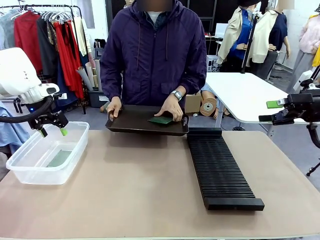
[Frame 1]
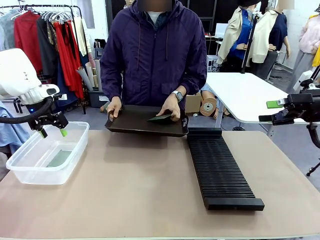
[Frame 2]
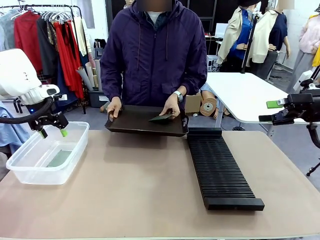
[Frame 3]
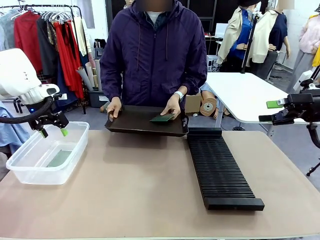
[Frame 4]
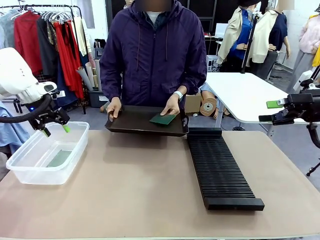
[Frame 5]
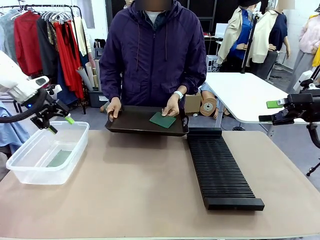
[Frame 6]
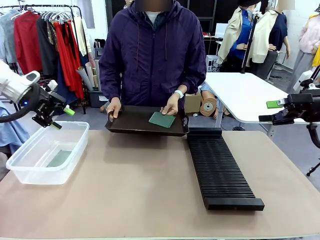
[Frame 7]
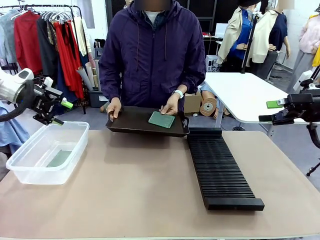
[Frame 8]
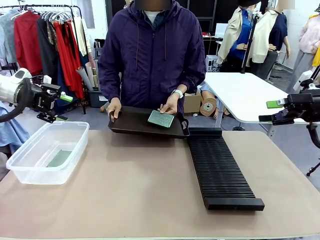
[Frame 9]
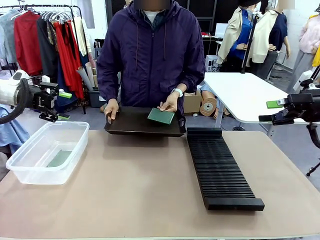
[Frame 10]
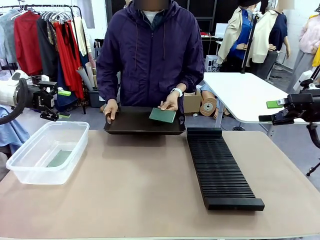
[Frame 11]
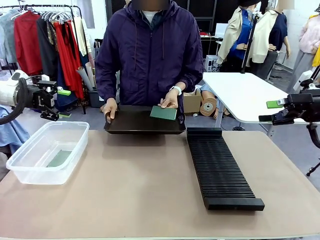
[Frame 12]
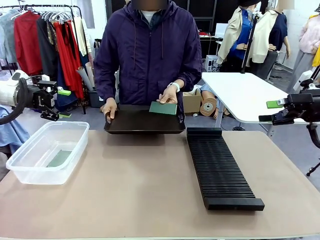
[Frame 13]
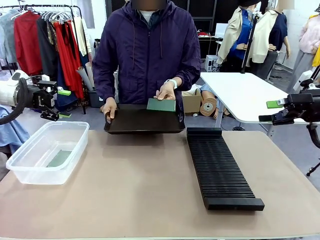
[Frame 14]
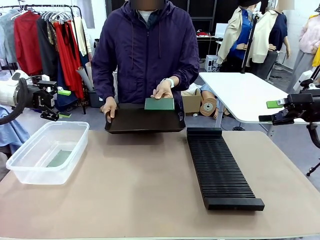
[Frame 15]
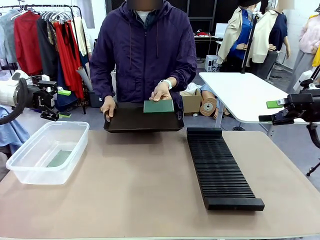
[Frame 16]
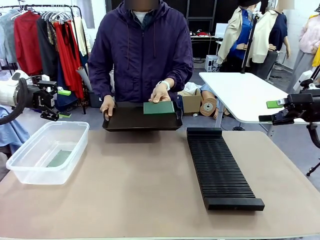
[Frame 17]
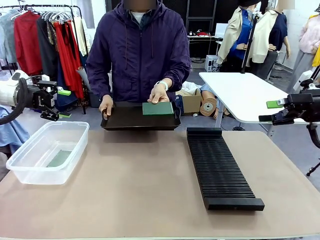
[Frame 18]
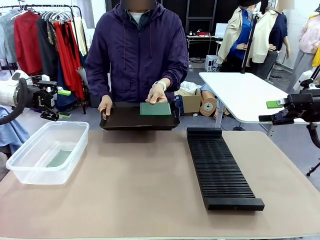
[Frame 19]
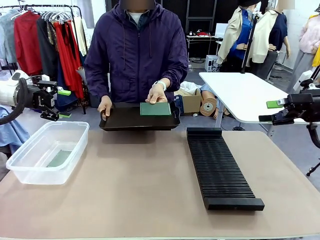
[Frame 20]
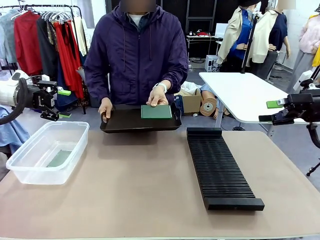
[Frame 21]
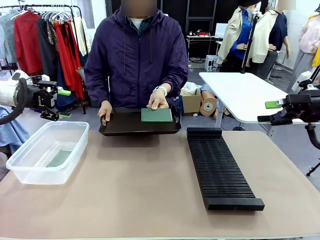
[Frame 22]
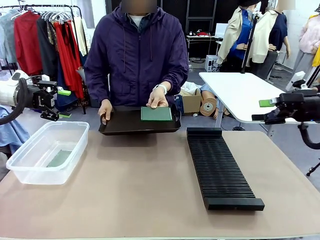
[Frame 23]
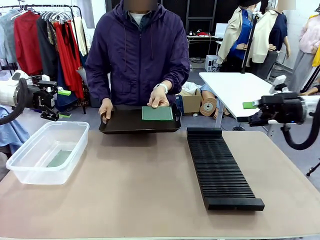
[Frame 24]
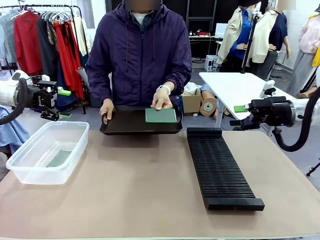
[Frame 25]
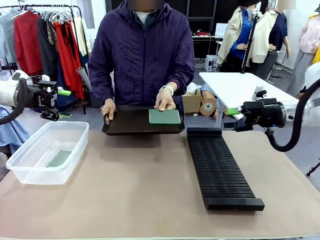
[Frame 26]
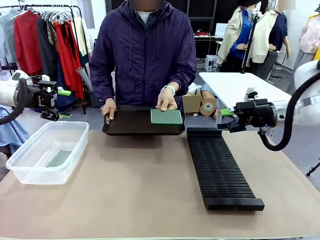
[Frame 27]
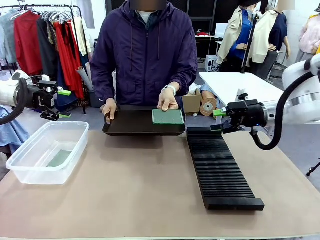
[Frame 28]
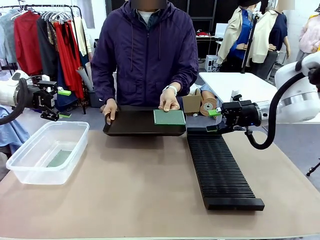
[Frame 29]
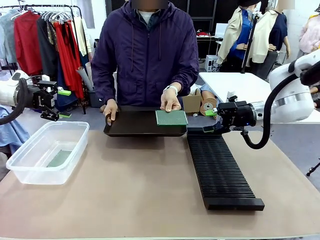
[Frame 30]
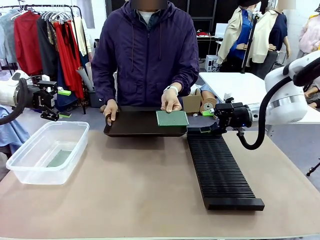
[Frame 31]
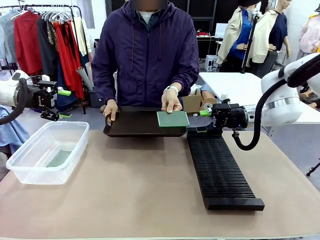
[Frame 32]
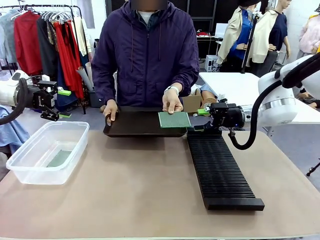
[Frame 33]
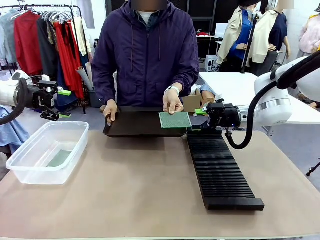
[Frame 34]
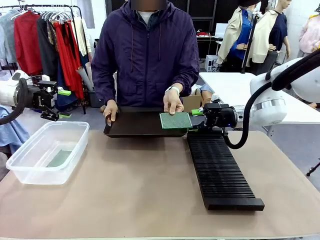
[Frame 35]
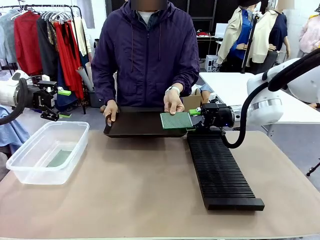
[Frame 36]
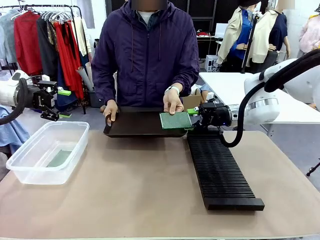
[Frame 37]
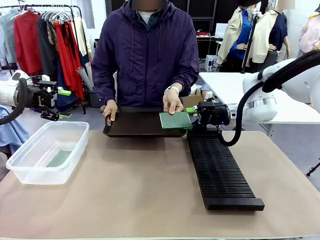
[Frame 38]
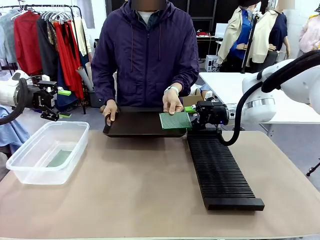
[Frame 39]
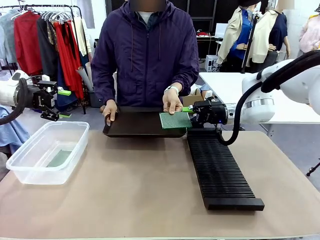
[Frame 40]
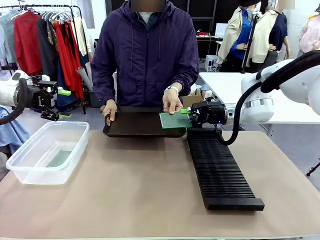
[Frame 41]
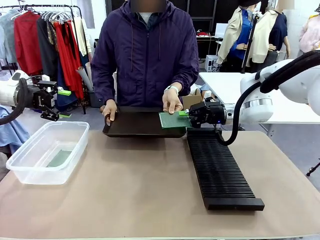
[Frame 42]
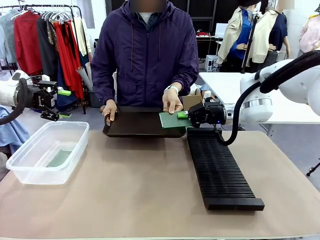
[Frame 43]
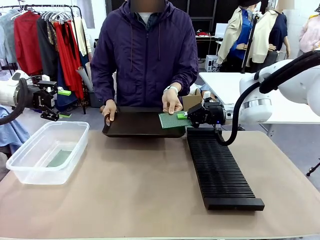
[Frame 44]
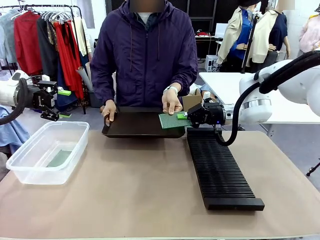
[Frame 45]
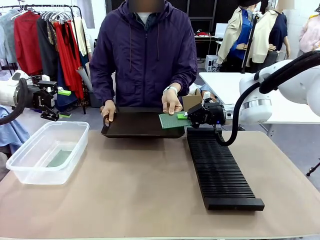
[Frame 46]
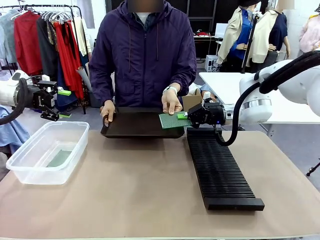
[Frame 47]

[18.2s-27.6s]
Task: Sort PCBs into racks and boxes based on the side picked up.
Robot: Pick up the Blank PCB handed by the Human.

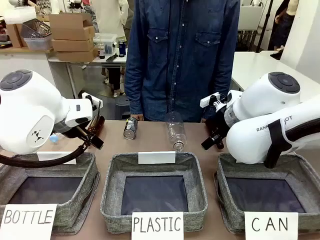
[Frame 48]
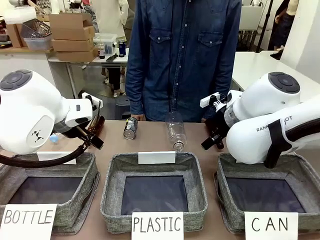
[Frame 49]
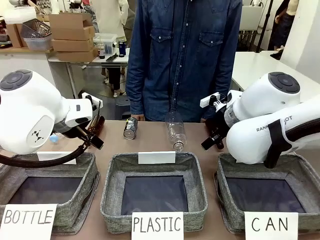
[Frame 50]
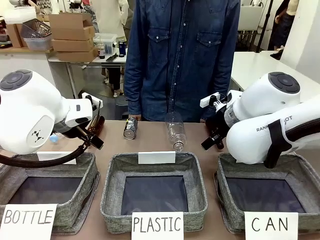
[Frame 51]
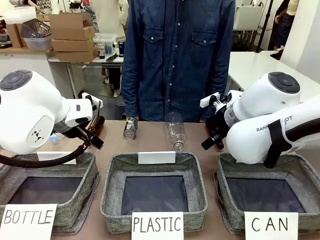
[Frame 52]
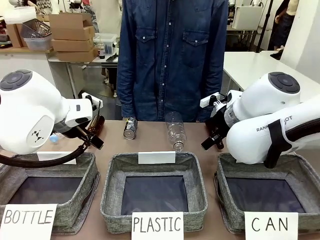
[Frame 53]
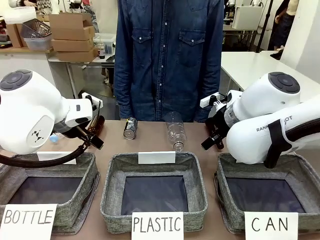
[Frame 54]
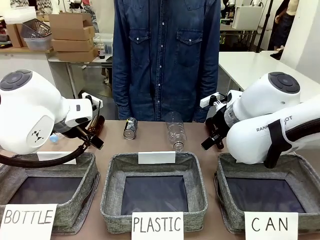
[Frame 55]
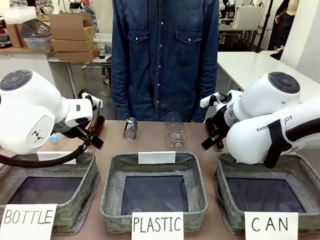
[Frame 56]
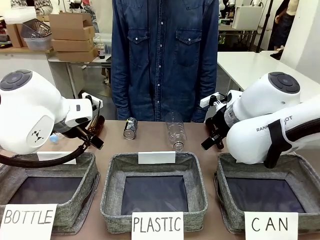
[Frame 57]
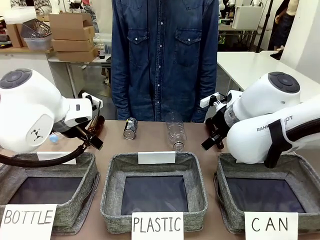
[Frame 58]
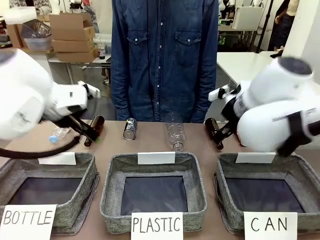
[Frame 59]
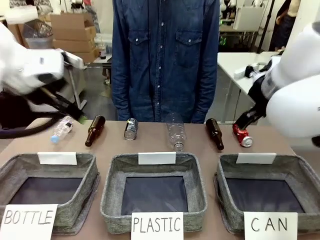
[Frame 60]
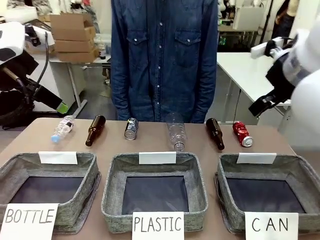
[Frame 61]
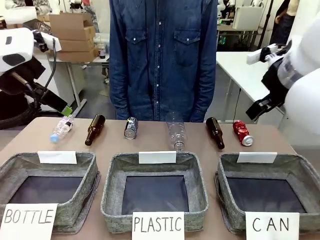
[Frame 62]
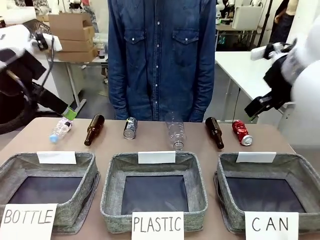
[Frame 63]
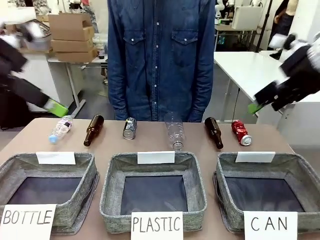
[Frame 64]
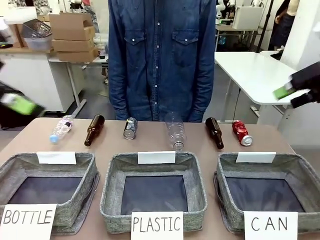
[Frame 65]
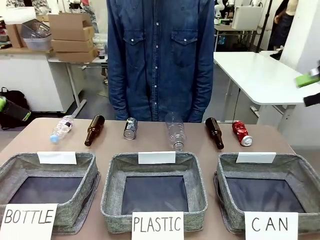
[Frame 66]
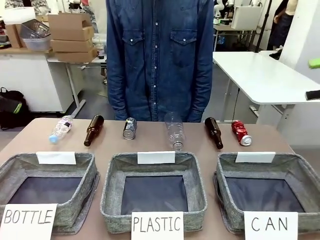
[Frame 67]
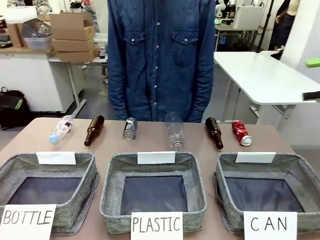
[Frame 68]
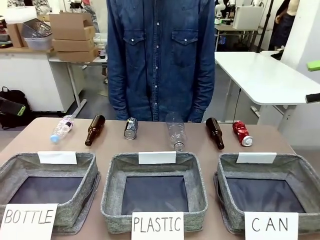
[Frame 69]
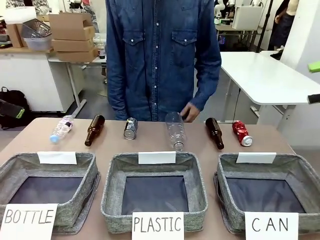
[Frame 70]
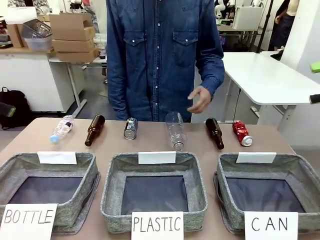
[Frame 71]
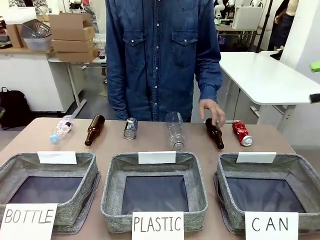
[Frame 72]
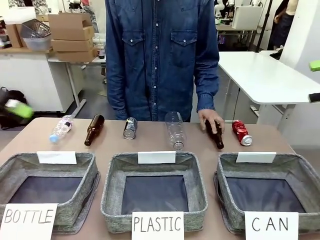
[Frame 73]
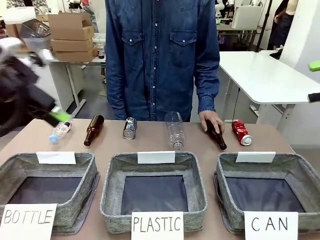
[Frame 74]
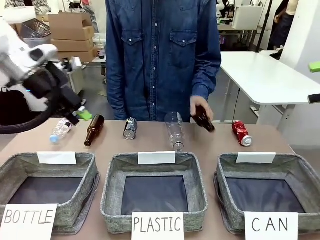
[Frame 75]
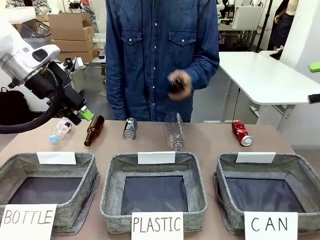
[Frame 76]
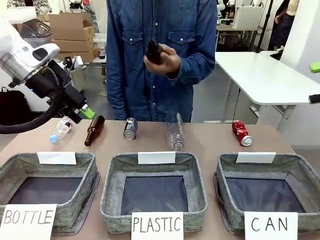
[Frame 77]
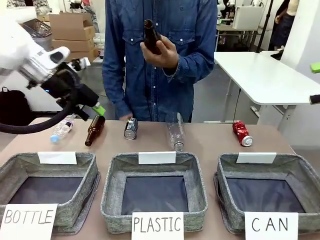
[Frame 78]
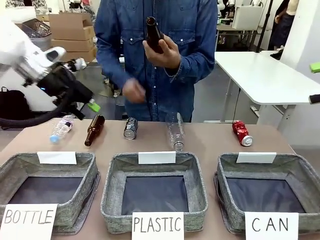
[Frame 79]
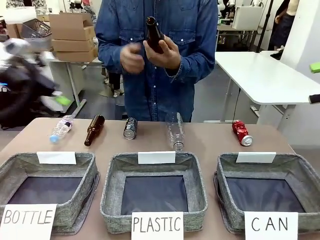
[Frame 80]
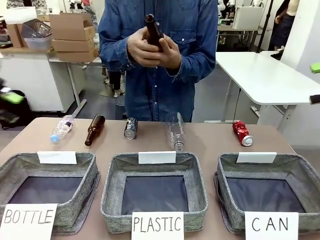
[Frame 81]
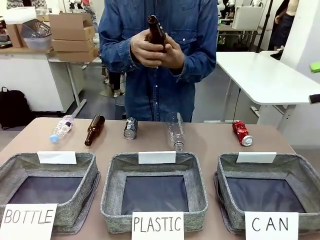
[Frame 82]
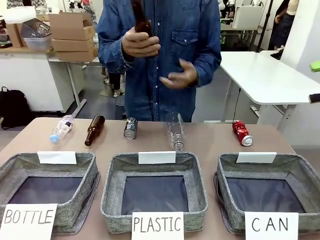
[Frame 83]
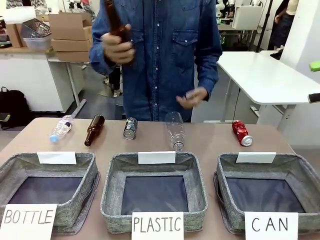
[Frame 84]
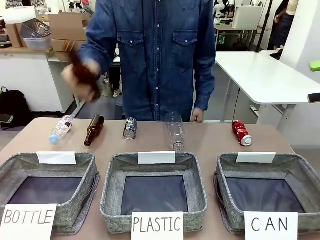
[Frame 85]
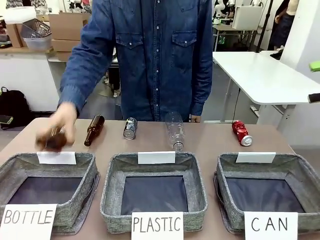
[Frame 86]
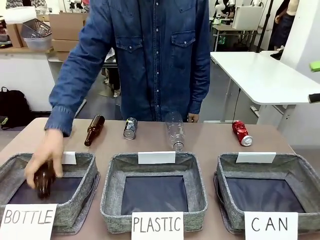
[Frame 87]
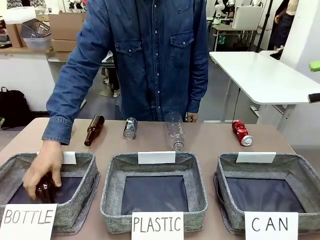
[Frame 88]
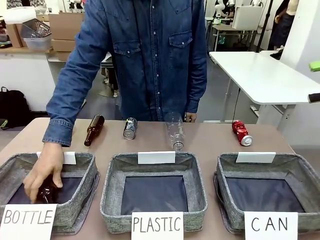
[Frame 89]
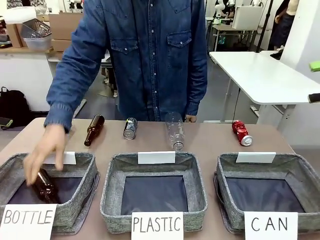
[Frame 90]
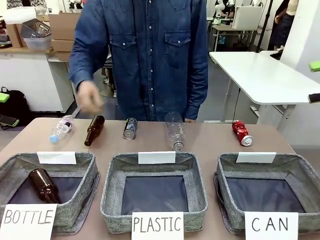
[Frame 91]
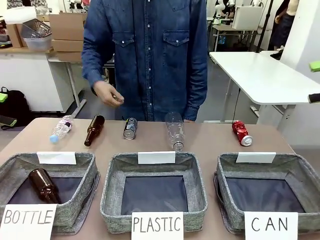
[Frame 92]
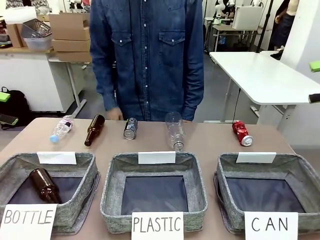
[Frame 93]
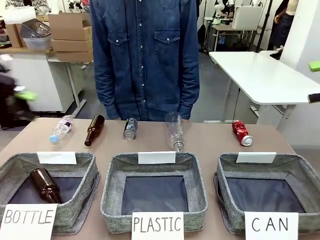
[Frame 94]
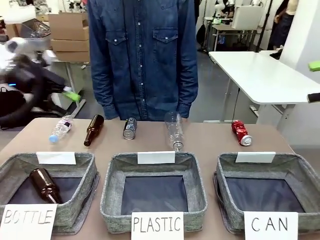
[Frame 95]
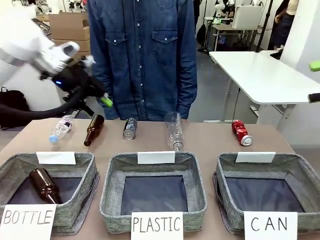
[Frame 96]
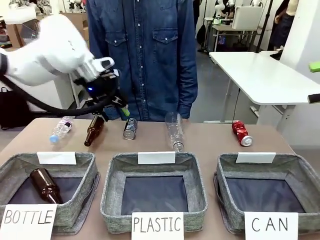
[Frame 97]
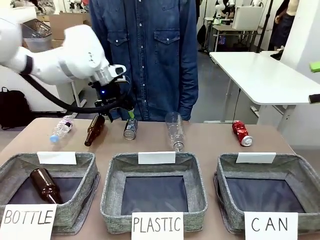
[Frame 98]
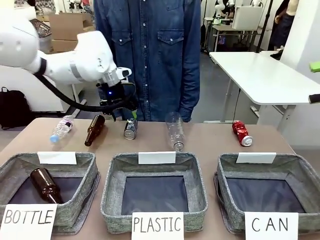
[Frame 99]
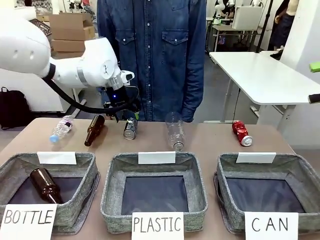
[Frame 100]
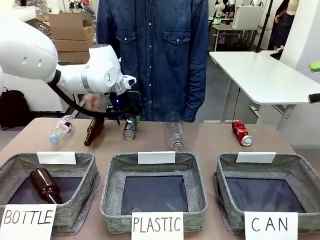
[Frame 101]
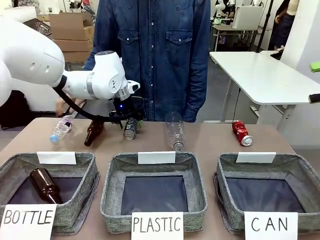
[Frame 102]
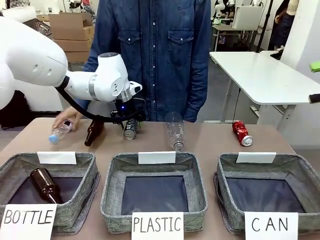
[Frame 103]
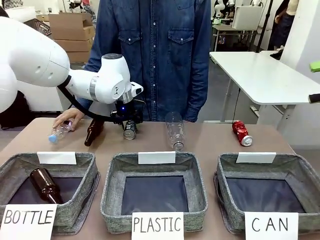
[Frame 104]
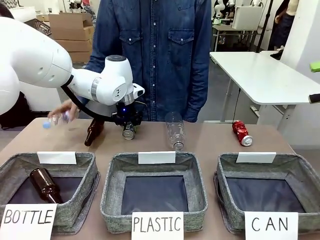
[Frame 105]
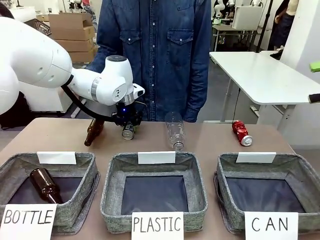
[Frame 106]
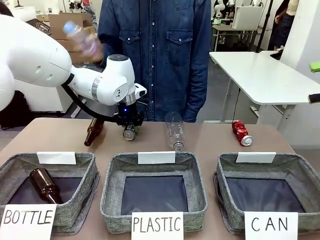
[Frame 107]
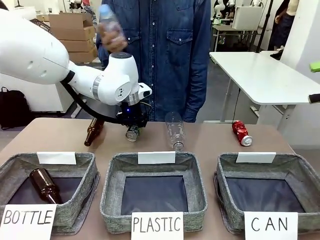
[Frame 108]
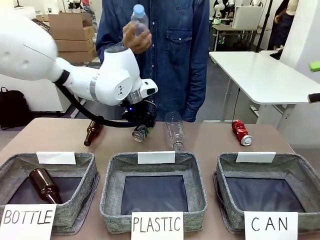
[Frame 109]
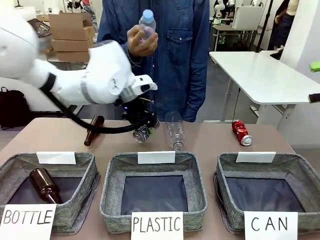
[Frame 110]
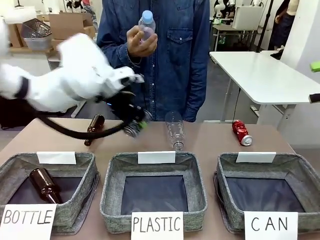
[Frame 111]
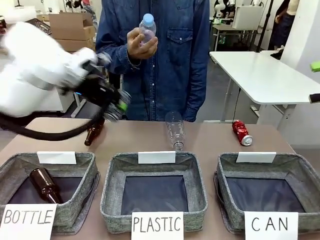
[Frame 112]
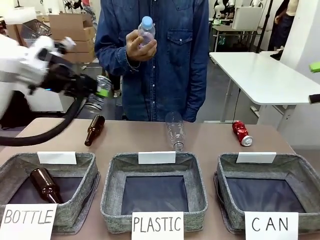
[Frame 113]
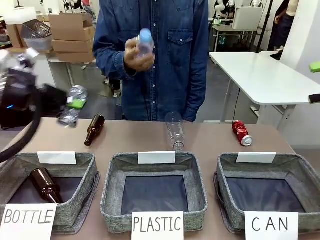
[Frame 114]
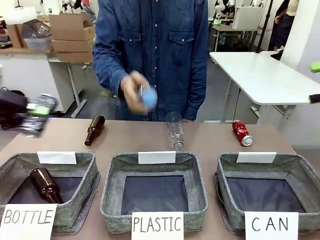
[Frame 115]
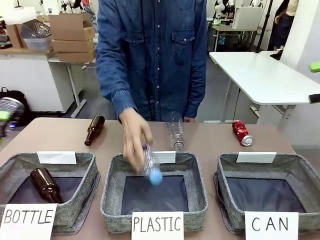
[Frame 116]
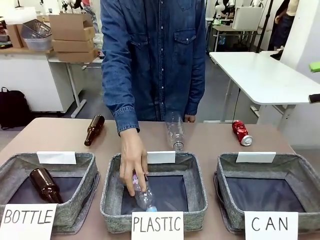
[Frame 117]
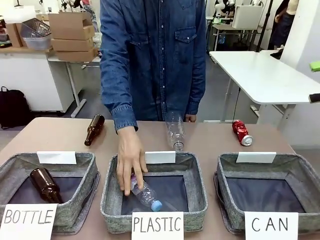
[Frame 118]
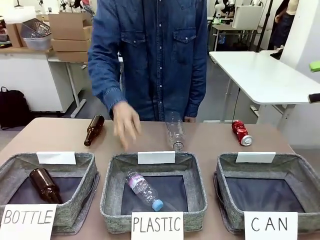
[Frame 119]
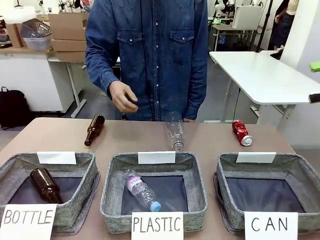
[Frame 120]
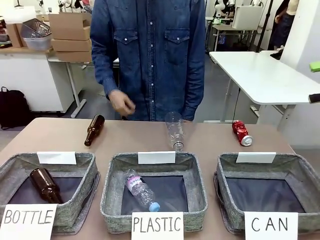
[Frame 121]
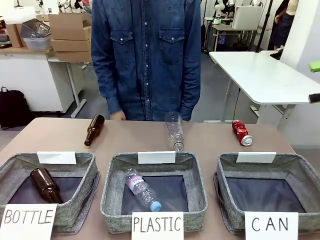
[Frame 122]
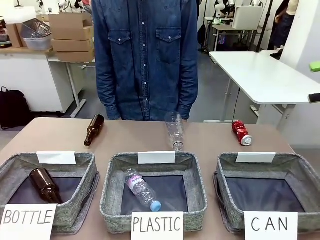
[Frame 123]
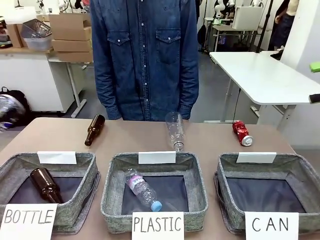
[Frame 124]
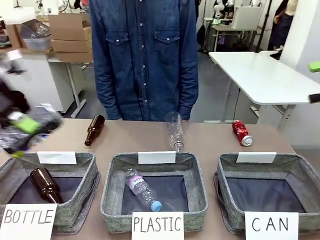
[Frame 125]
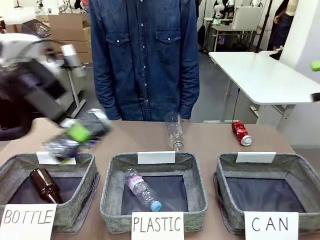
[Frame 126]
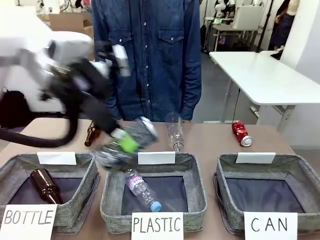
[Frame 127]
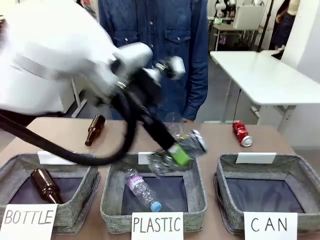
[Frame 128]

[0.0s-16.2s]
Task: Sort the can waste into the basket.
Robot: Pick up the can waste from the table and place it in the right Fabric basket.
